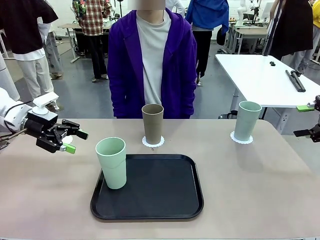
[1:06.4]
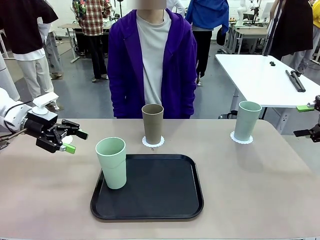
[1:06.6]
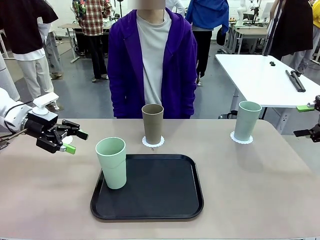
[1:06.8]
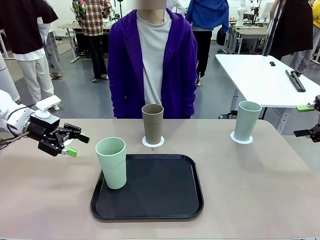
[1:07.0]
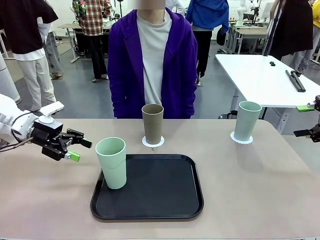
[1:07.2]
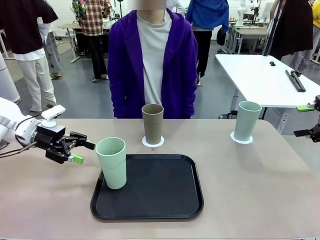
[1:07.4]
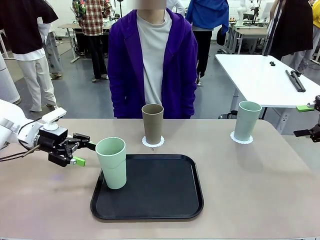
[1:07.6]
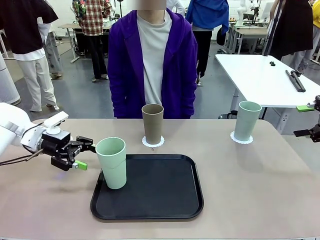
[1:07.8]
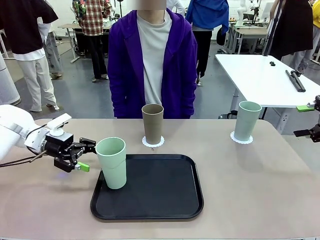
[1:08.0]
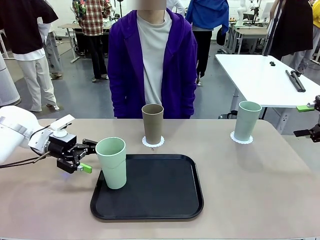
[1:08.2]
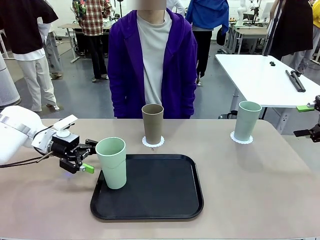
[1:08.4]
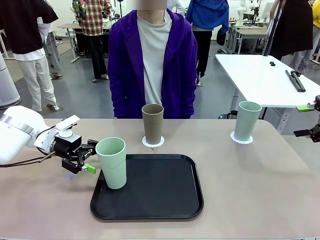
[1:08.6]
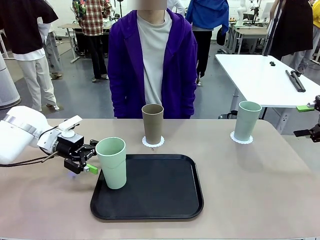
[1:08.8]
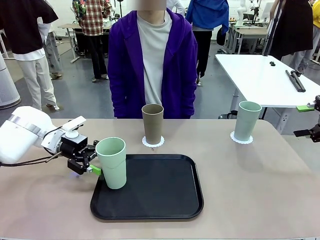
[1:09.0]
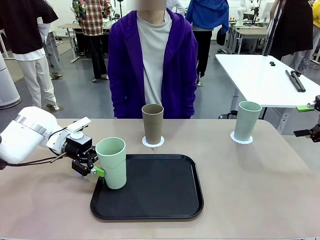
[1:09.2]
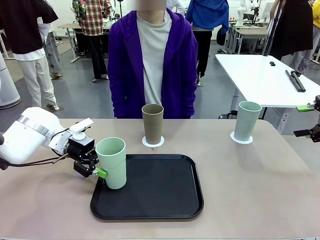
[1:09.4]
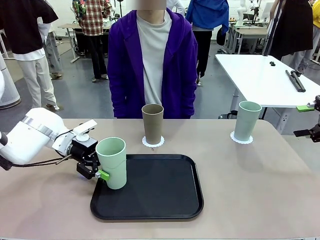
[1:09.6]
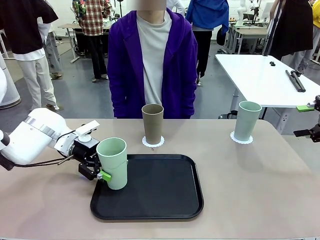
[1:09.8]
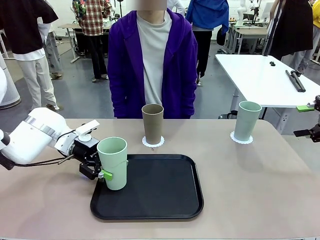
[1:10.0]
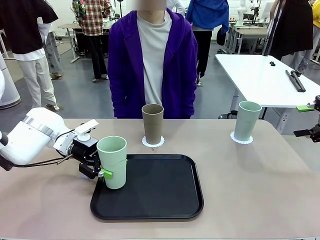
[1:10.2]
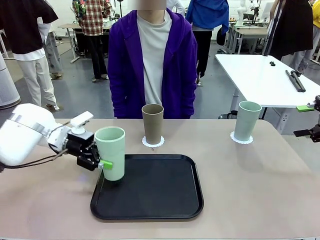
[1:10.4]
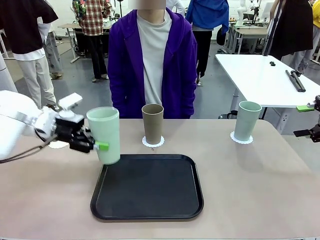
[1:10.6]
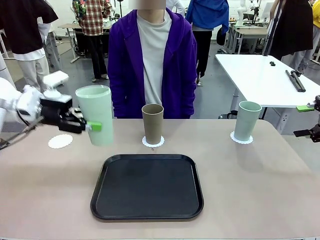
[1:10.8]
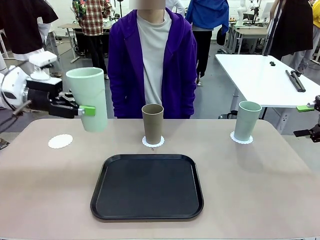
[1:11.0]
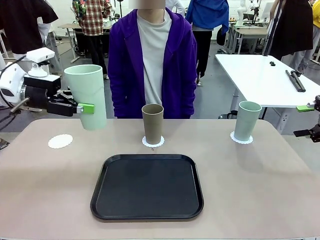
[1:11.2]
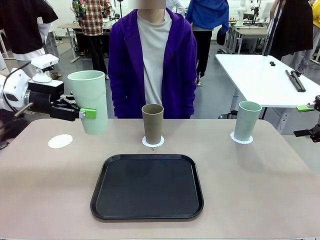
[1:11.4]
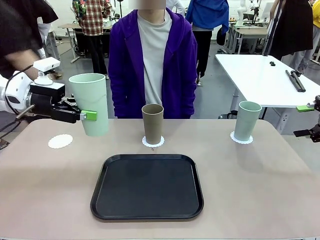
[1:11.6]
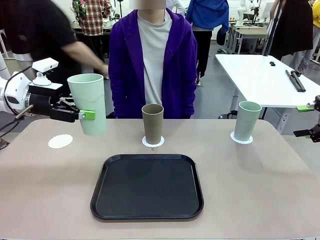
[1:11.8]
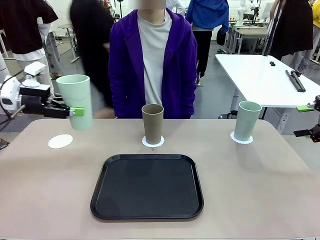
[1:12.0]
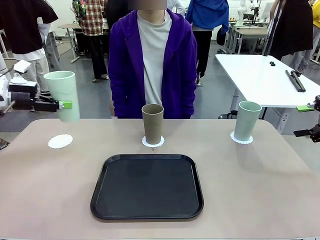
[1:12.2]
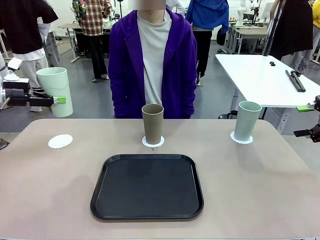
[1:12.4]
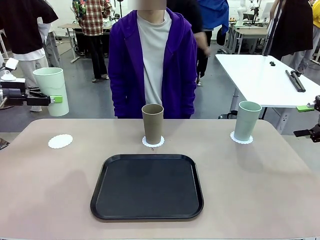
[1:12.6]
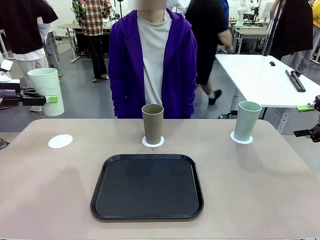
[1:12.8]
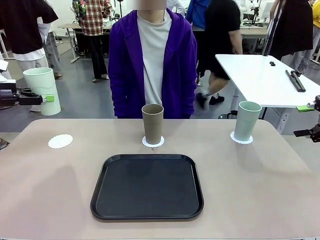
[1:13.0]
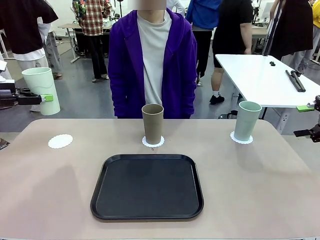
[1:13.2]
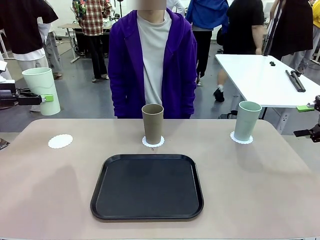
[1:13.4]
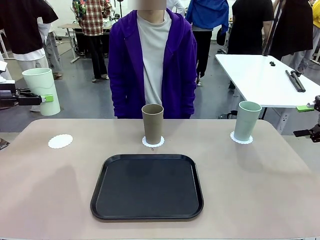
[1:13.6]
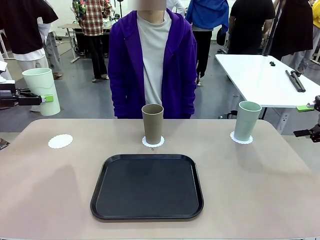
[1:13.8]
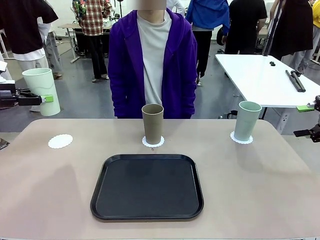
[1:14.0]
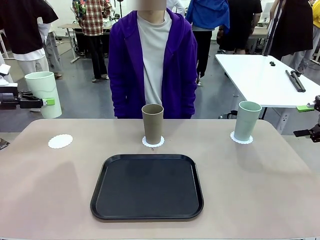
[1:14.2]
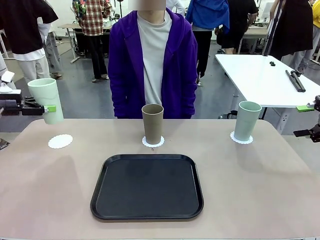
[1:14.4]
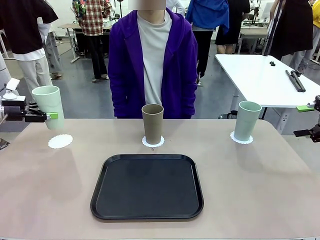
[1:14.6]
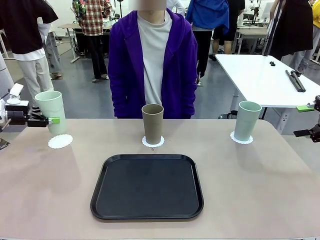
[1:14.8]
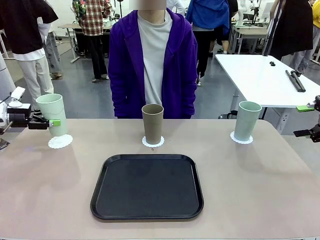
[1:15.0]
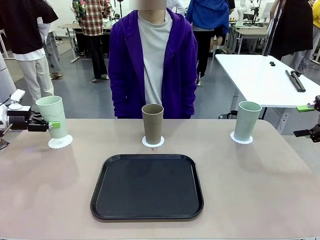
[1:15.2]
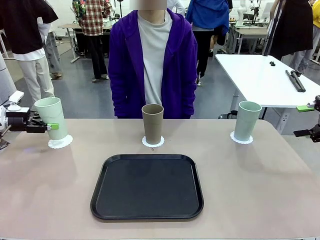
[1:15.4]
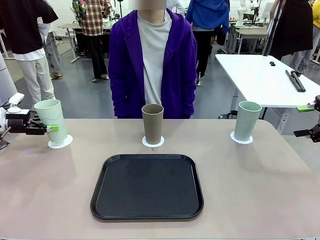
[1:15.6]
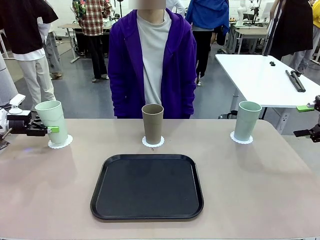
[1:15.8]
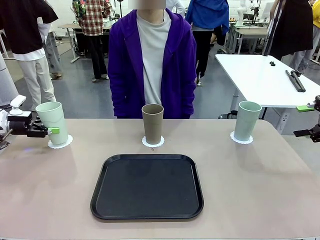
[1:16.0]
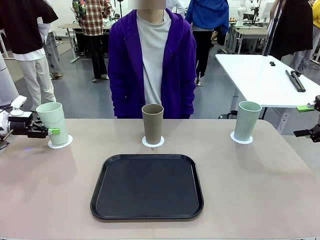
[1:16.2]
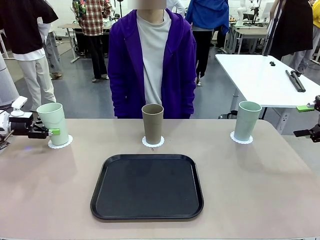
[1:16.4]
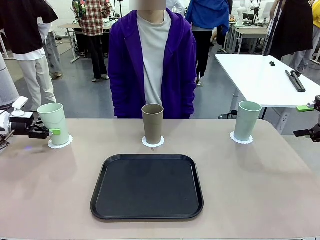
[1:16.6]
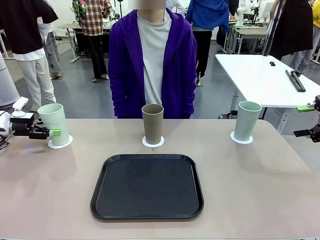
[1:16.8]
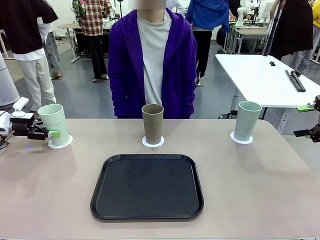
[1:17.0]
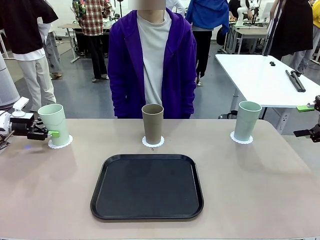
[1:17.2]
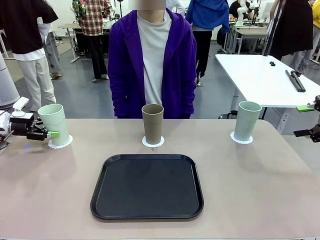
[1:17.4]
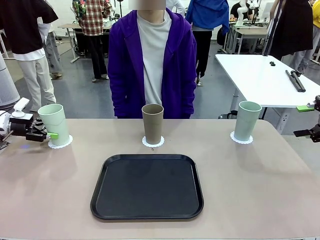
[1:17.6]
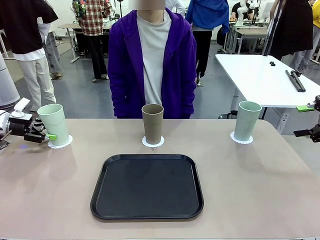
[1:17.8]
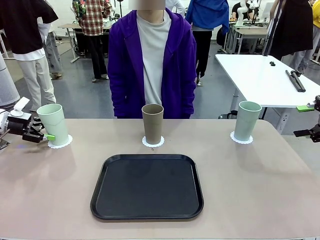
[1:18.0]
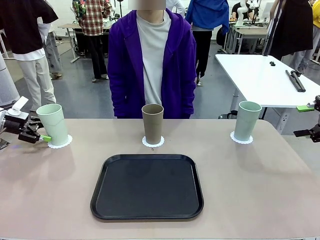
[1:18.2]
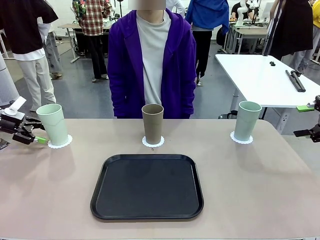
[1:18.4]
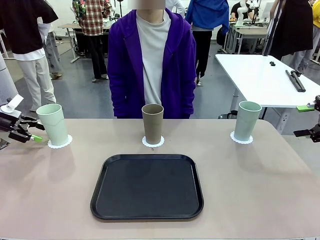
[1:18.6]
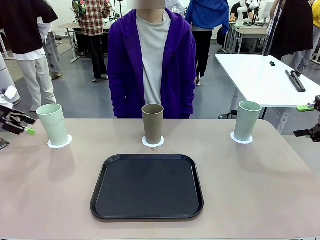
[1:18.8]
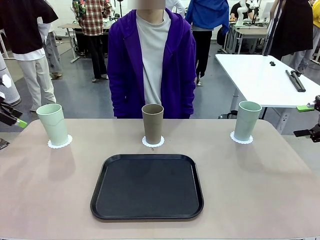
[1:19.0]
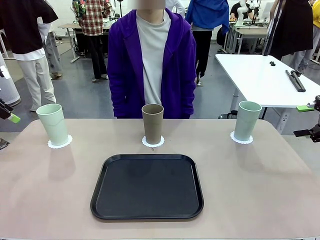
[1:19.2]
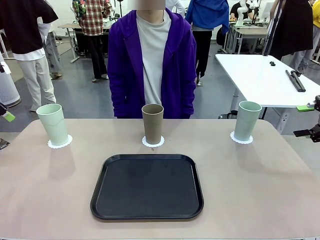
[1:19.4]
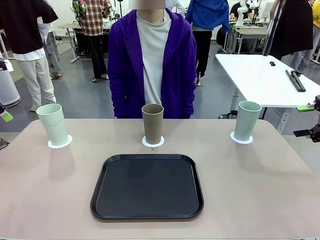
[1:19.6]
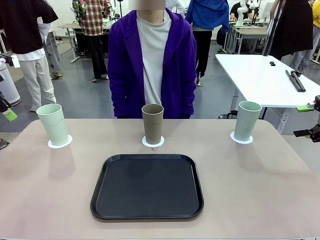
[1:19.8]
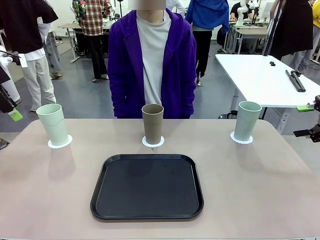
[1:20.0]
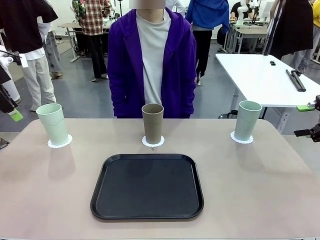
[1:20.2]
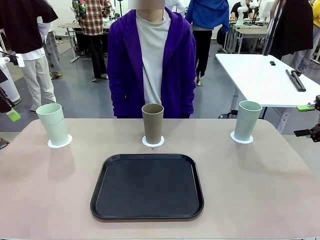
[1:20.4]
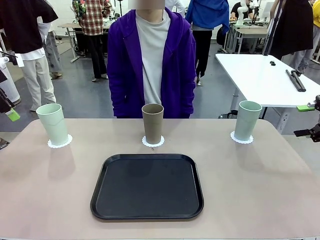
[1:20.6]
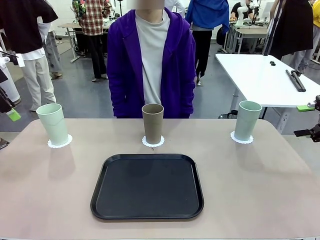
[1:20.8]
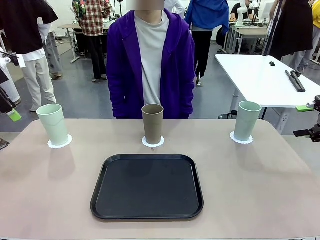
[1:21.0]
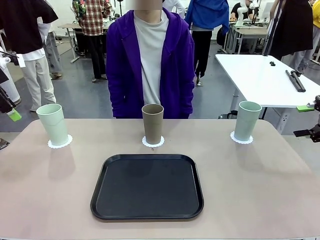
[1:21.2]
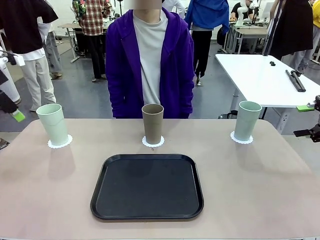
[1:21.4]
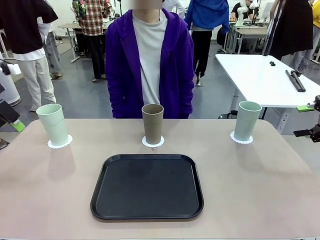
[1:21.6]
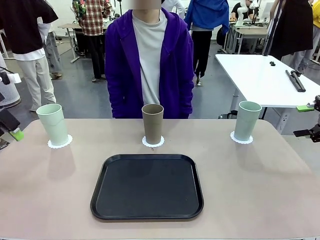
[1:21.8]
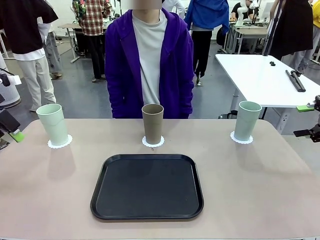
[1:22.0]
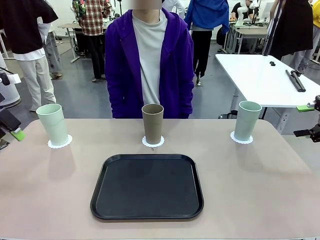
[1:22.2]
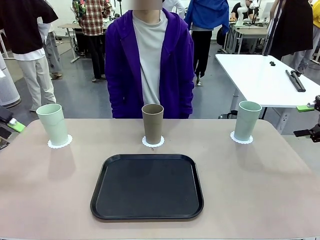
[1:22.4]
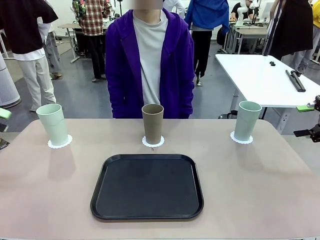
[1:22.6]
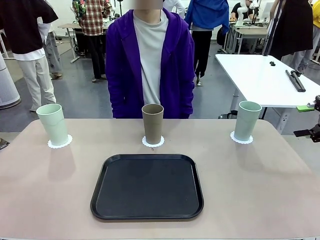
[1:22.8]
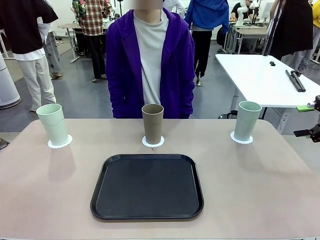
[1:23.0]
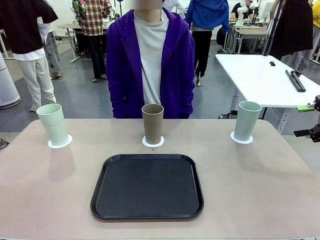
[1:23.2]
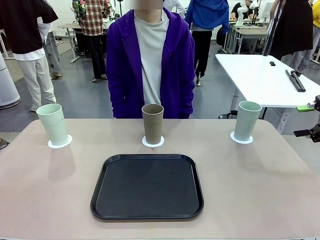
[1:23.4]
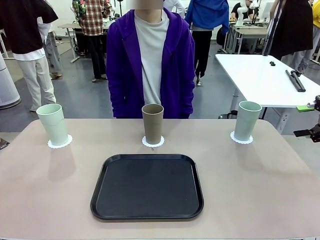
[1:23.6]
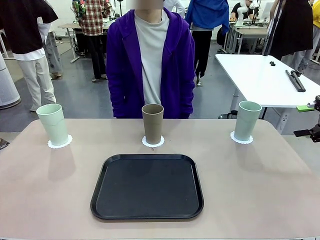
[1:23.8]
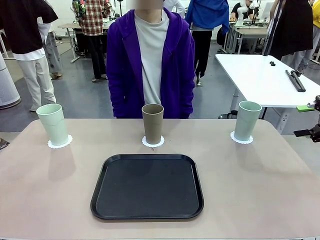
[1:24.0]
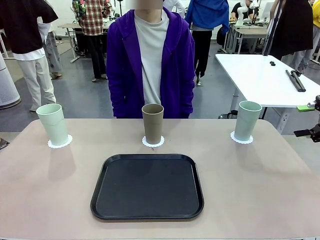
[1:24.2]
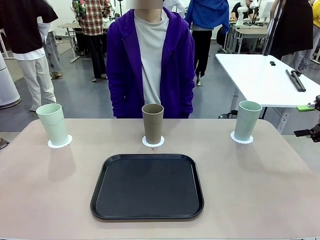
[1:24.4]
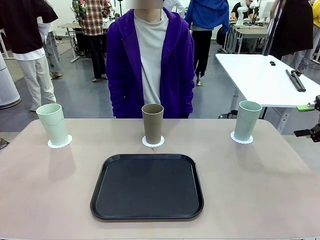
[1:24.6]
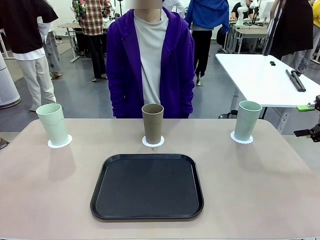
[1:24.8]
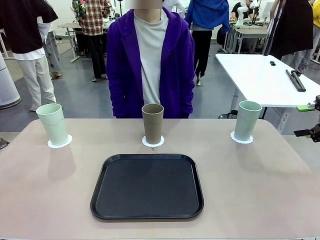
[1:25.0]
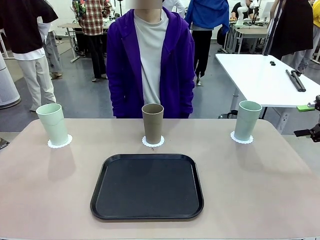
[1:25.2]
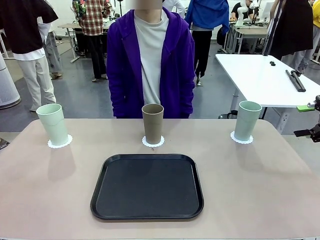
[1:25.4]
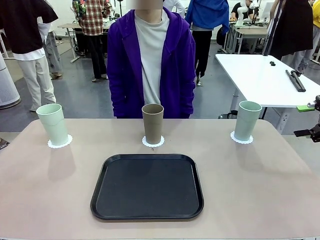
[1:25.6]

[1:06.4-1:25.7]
Task: Place coasters on the table and set cups on them.
Robot: Take one Reusable plastic cup from the Flat Tray and place it on a coaster set by the human.
